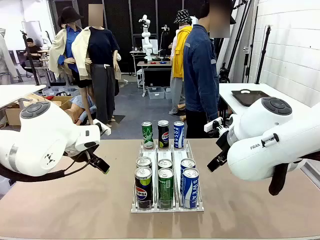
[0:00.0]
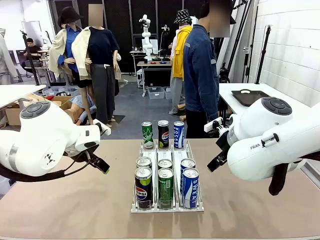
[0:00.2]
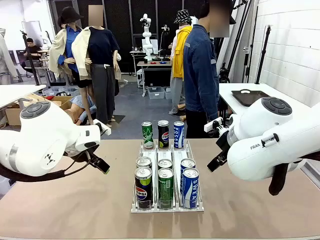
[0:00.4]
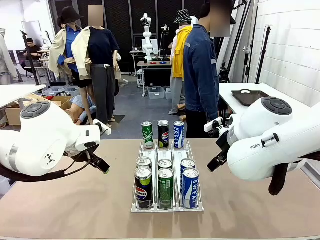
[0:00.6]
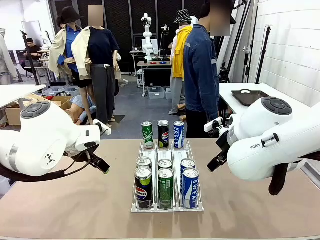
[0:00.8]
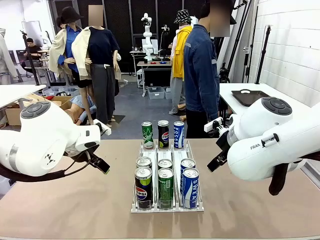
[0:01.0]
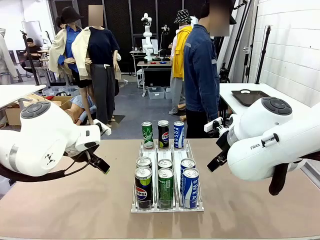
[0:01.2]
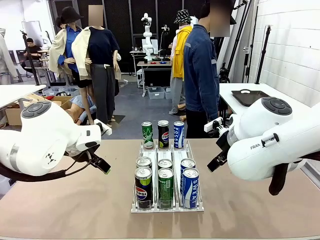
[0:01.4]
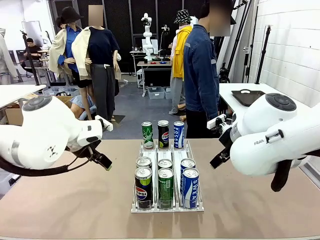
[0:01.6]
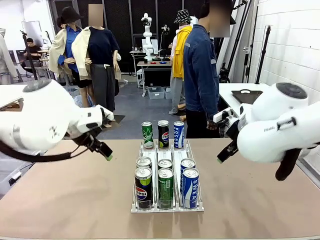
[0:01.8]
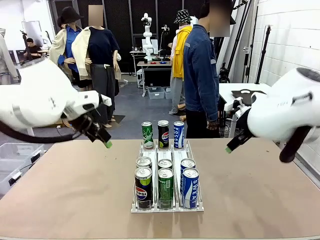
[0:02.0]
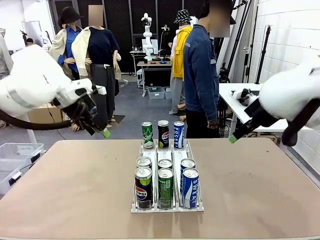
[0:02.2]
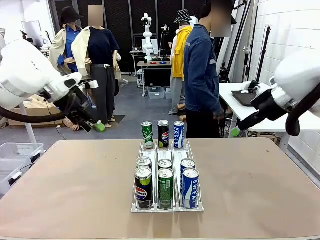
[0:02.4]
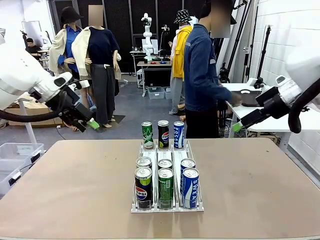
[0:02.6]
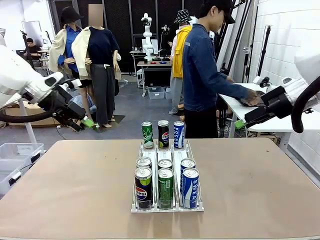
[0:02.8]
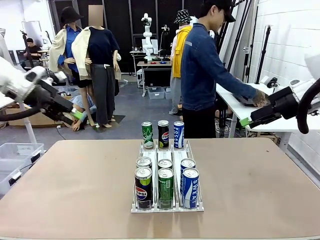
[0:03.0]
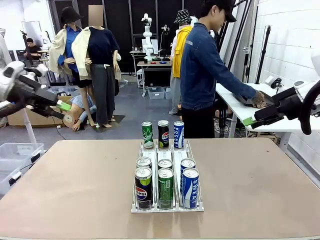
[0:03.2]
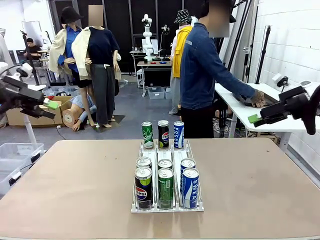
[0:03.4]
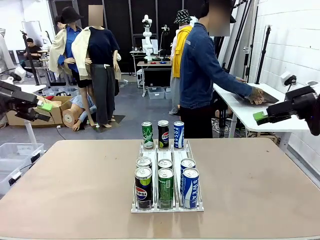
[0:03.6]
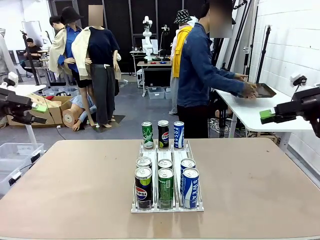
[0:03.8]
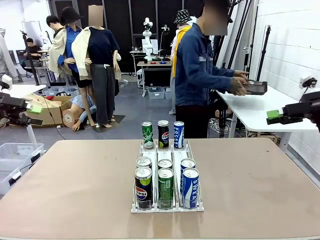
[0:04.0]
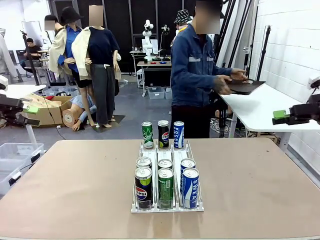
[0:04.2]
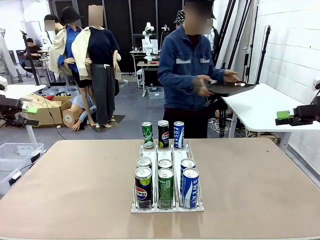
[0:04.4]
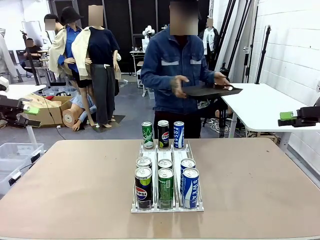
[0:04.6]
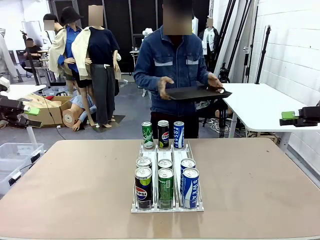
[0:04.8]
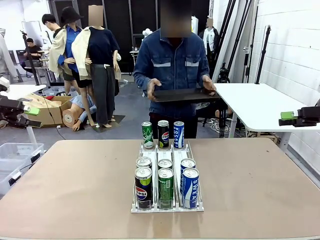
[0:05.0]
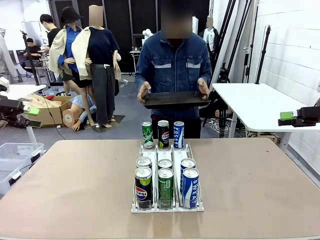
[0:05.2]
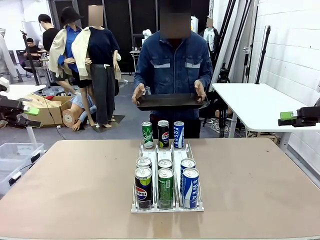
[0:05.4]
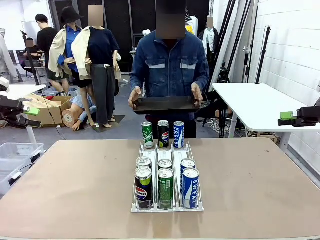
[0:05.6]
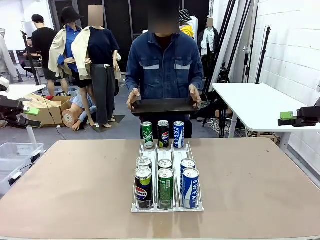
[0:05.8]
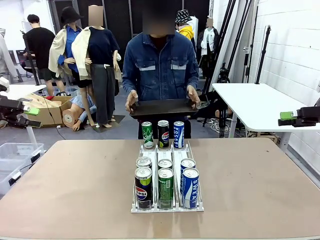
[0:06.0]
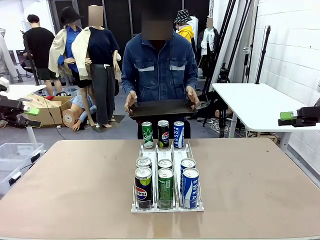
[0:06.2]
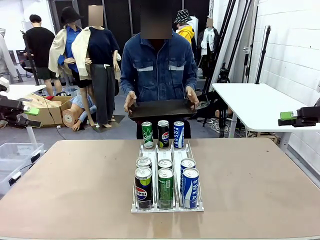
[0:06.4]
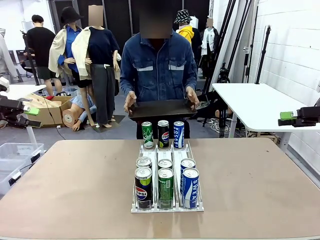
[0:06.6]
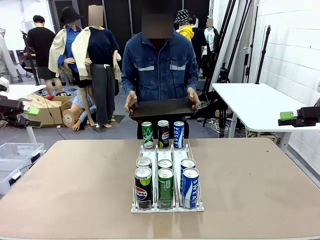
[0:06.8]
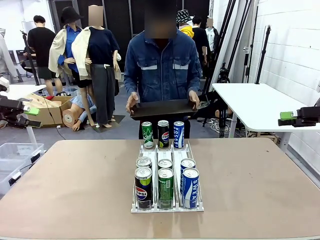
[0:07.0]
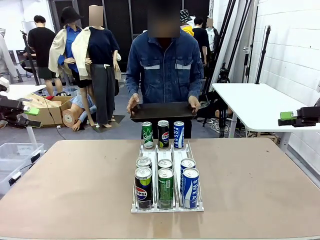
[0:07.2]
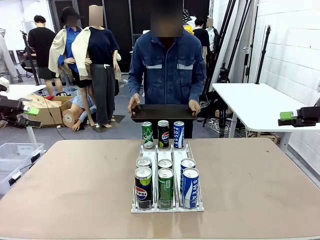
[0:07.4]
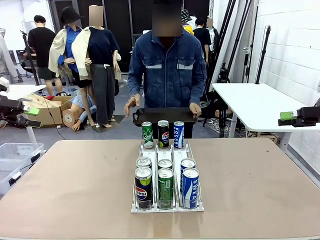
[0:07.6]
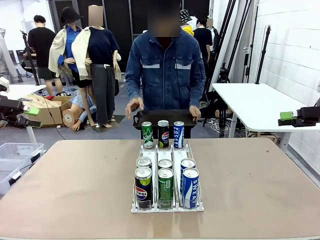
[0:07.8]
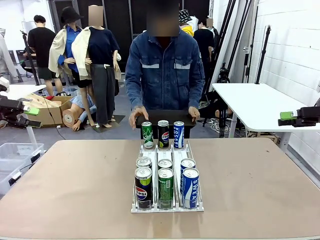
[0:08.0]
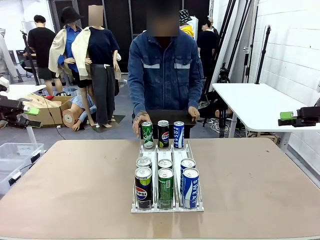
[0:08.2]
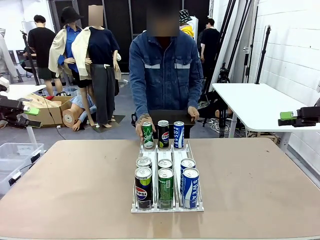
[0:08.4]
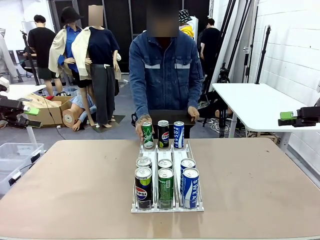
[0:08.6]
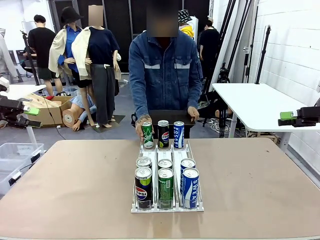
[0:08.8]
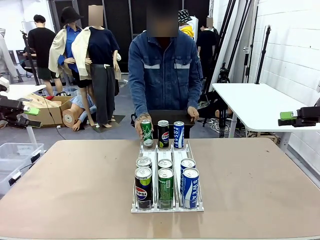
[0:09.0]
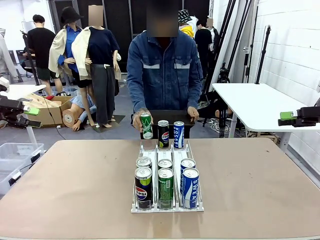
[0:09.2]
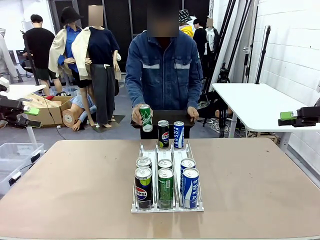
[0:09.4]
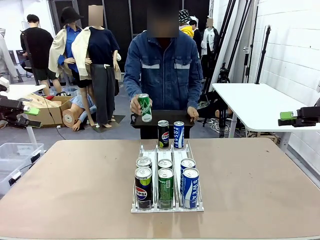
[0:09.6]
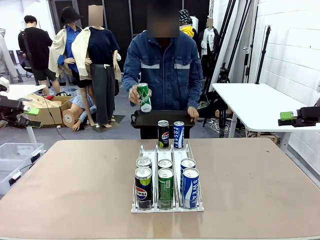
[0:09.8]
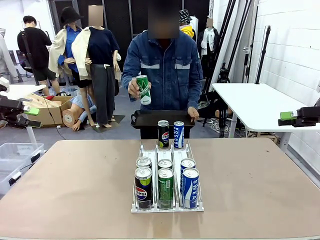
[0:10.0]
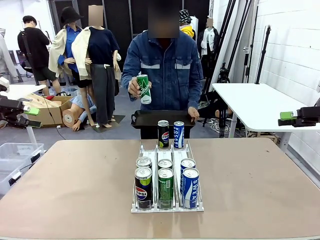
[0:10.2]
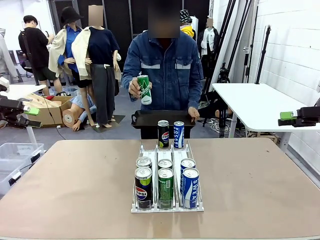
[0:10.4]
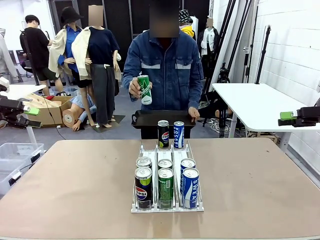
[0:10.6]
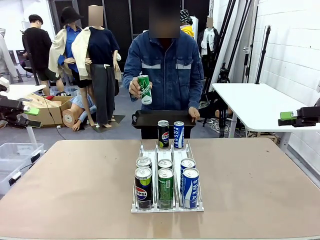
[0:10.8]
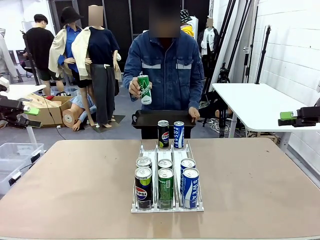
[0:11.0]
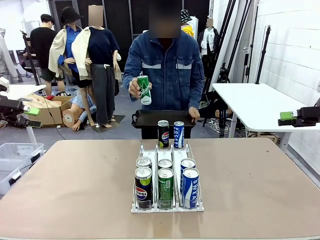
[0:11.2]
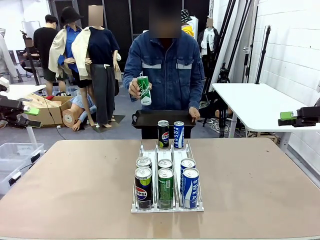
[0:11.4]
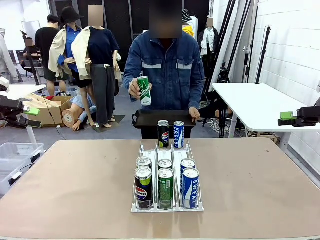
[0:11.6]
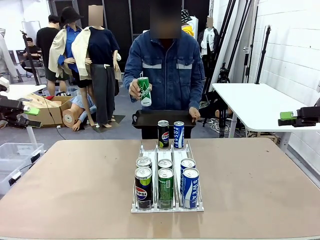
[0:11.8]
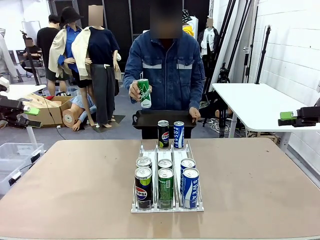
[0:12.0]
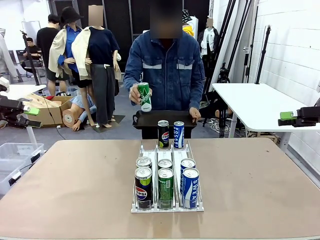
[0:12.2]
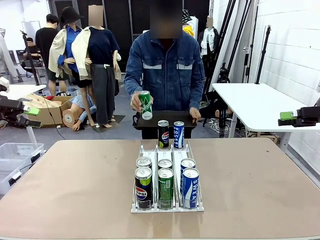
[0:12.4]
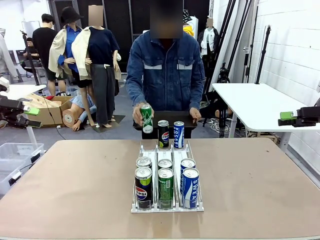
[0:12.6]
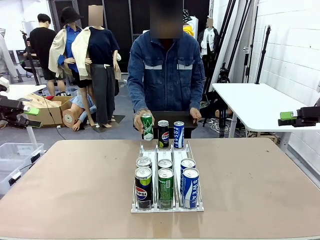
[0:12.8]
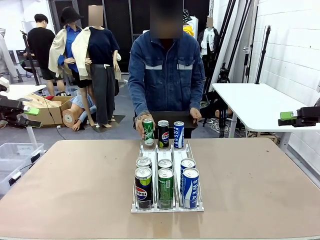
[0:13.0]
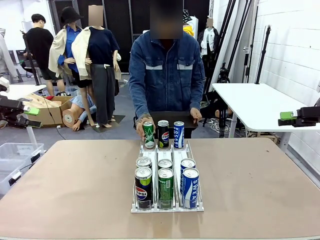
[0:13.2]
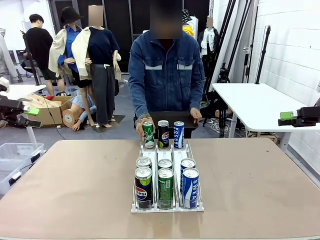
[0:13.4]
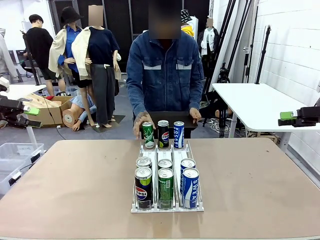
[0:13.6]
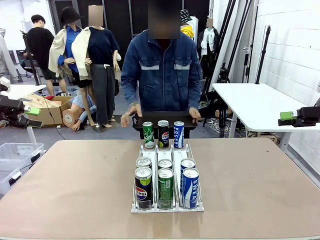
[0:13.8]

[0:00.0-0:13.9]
Task: Retrieve and hand over the desired beverage to the person.
Robot: Pick up a can of the same type that the person held from the Automatic Can Dispenser.
Person: Hold the tray and position yourself in front of the robot table. Pick up one can from the bottom area of the table and puts it back in its original place.
